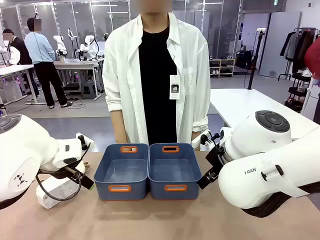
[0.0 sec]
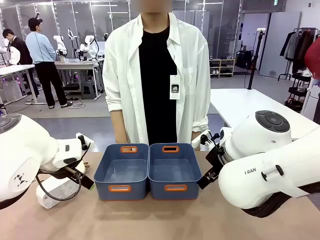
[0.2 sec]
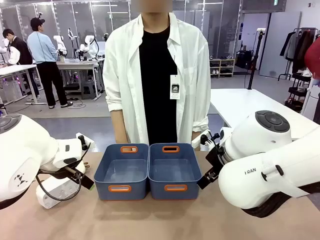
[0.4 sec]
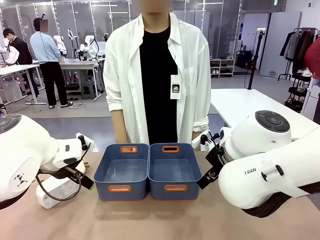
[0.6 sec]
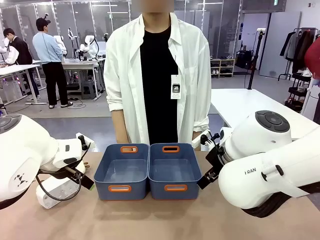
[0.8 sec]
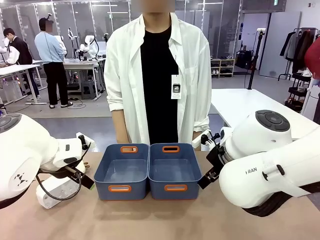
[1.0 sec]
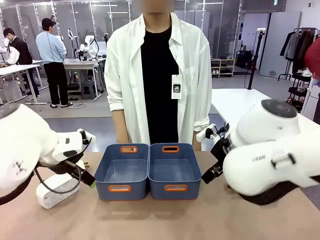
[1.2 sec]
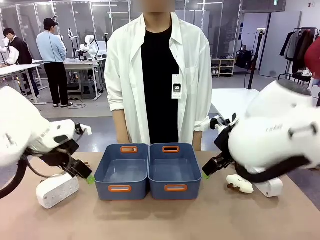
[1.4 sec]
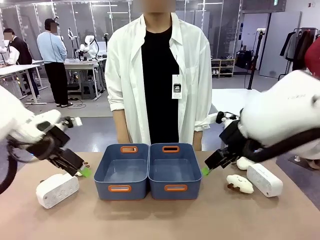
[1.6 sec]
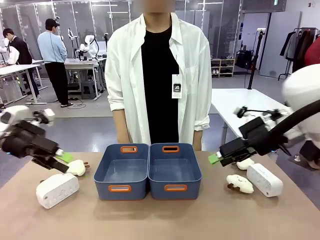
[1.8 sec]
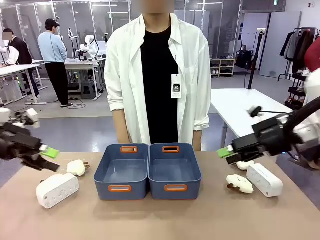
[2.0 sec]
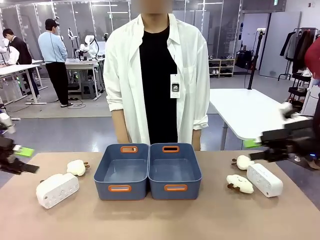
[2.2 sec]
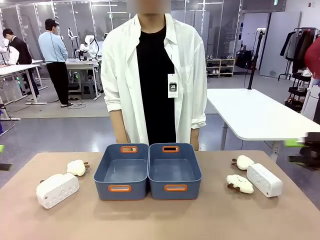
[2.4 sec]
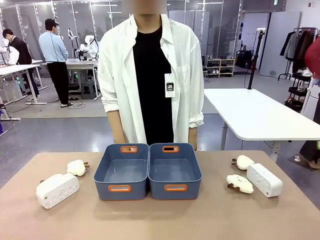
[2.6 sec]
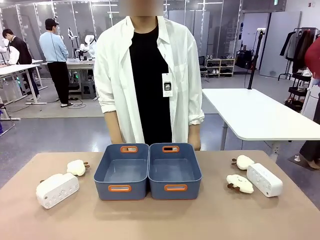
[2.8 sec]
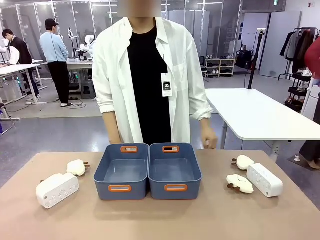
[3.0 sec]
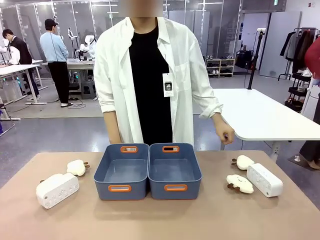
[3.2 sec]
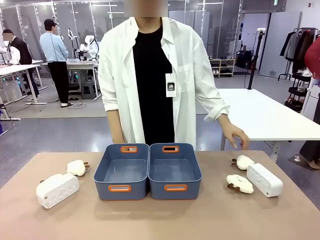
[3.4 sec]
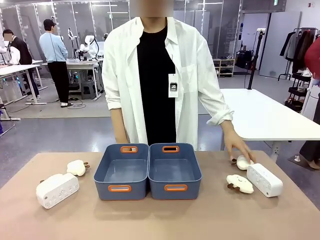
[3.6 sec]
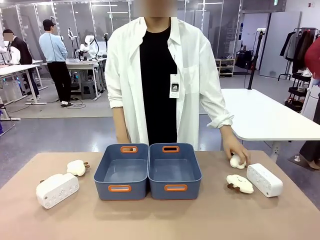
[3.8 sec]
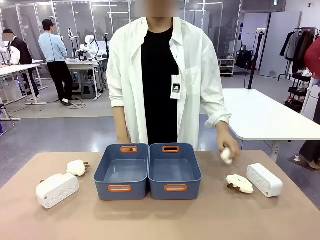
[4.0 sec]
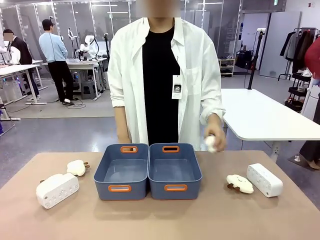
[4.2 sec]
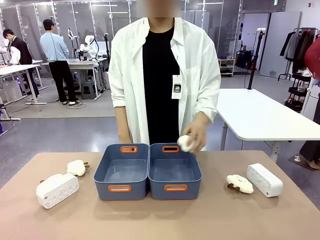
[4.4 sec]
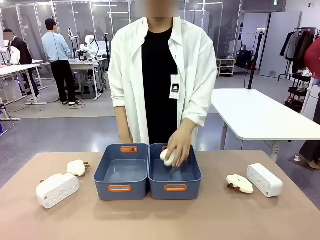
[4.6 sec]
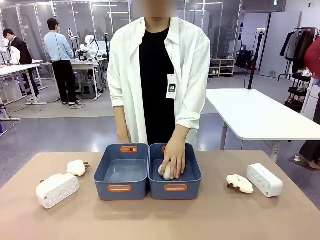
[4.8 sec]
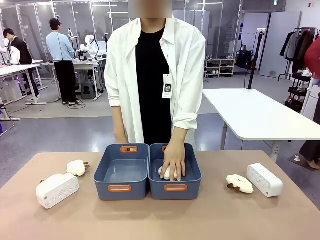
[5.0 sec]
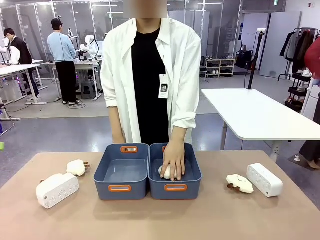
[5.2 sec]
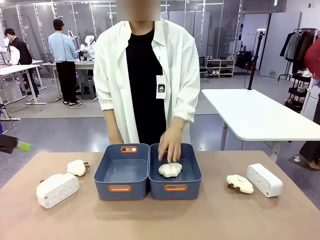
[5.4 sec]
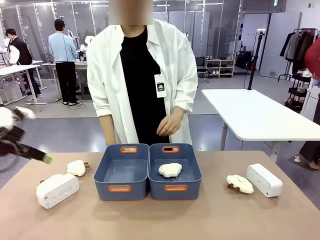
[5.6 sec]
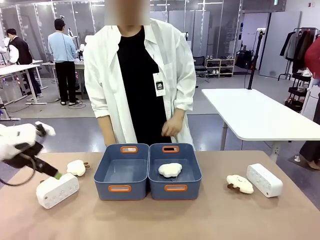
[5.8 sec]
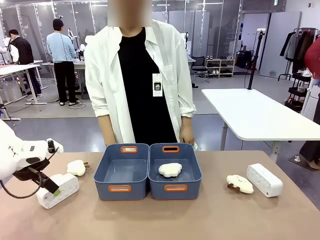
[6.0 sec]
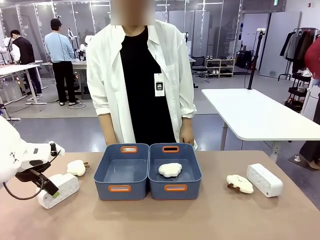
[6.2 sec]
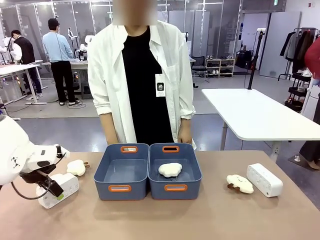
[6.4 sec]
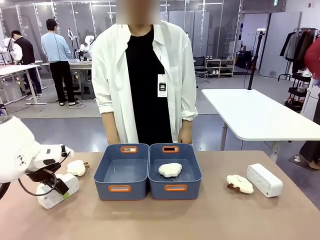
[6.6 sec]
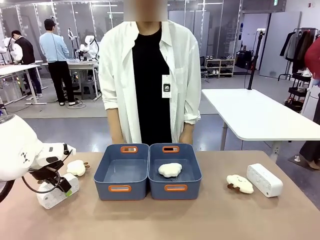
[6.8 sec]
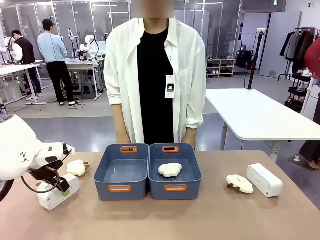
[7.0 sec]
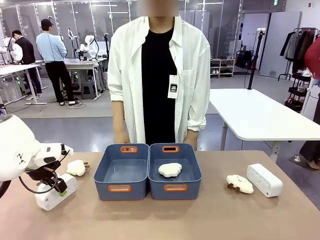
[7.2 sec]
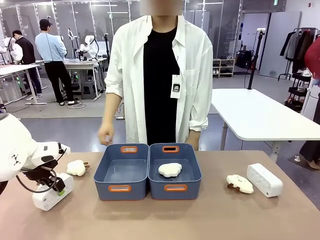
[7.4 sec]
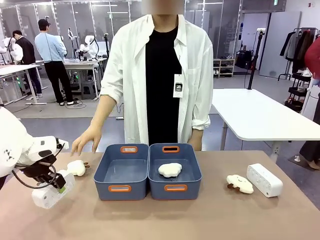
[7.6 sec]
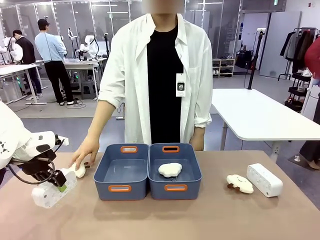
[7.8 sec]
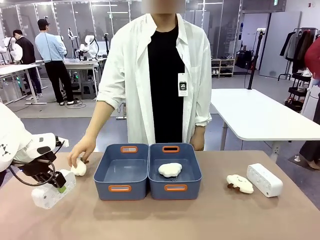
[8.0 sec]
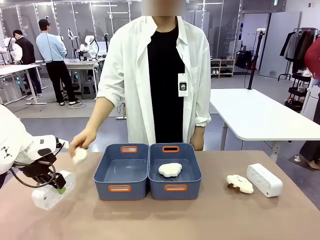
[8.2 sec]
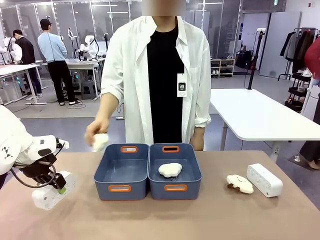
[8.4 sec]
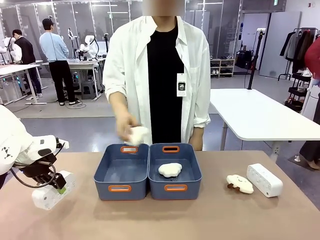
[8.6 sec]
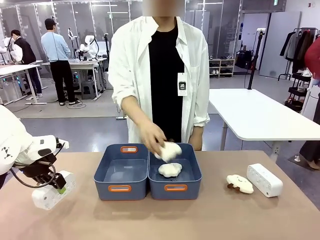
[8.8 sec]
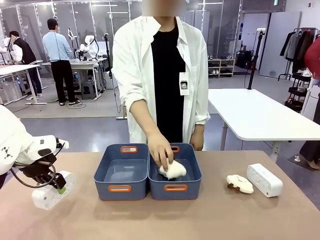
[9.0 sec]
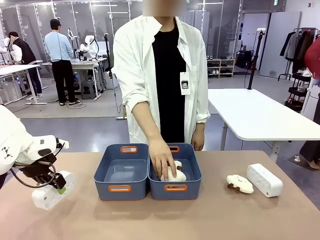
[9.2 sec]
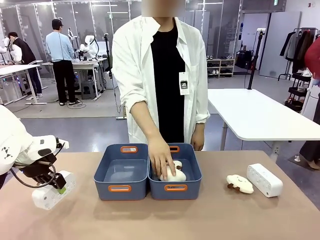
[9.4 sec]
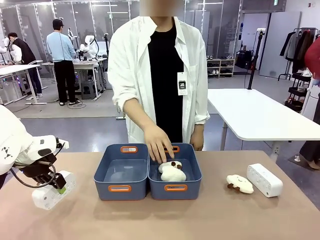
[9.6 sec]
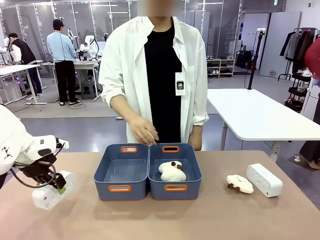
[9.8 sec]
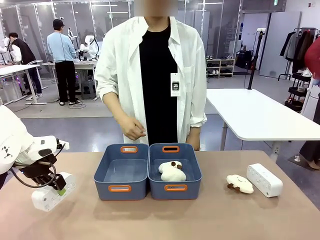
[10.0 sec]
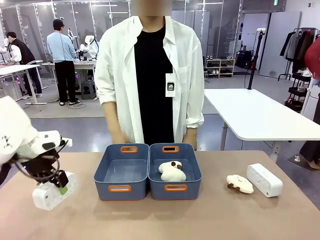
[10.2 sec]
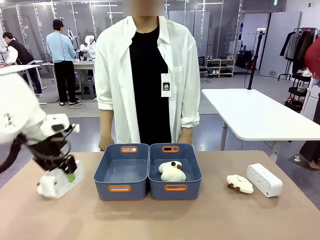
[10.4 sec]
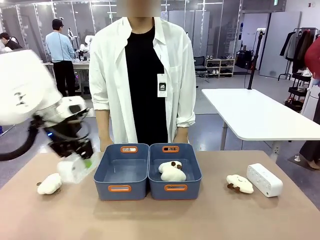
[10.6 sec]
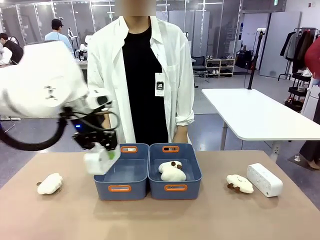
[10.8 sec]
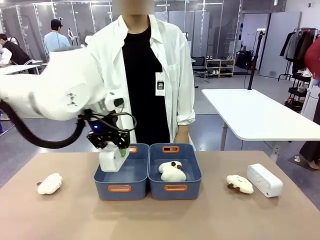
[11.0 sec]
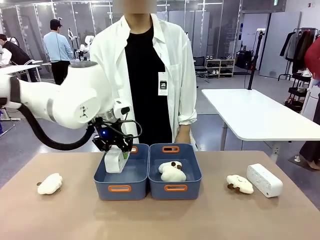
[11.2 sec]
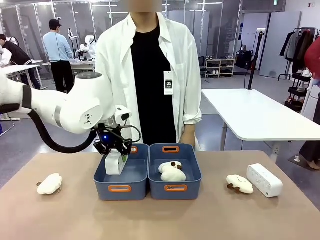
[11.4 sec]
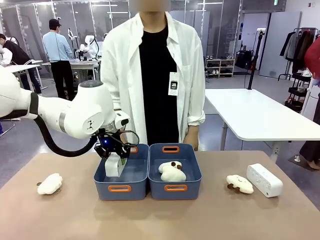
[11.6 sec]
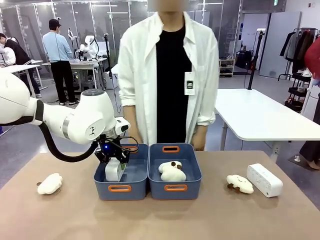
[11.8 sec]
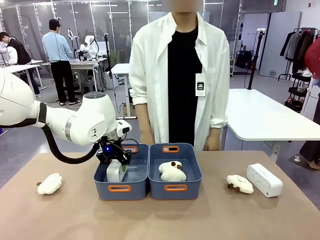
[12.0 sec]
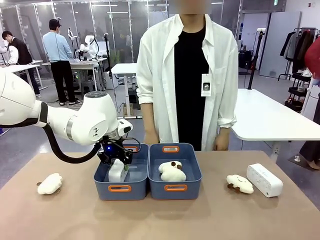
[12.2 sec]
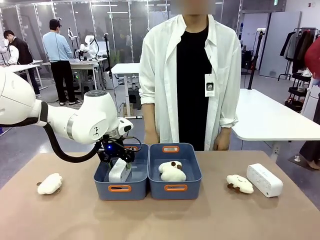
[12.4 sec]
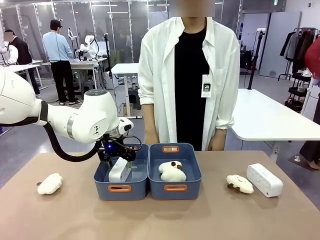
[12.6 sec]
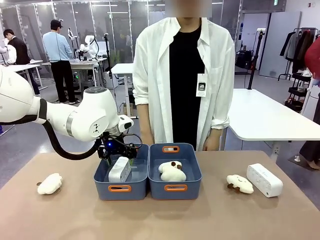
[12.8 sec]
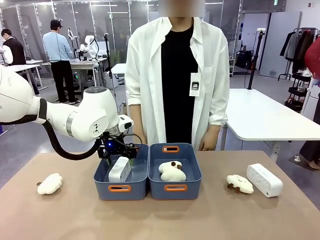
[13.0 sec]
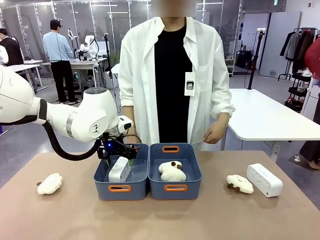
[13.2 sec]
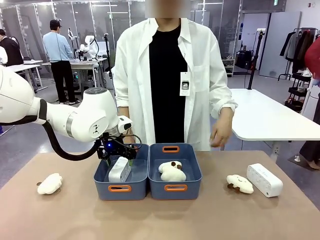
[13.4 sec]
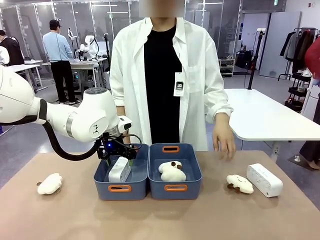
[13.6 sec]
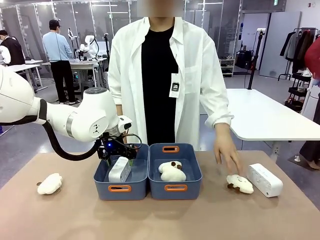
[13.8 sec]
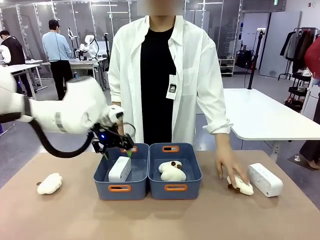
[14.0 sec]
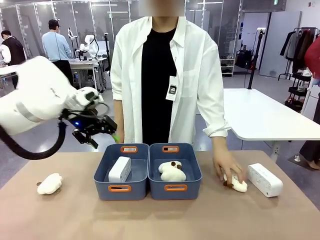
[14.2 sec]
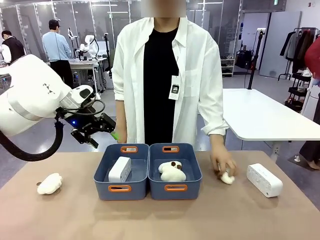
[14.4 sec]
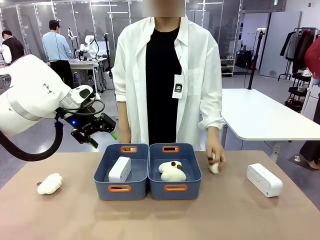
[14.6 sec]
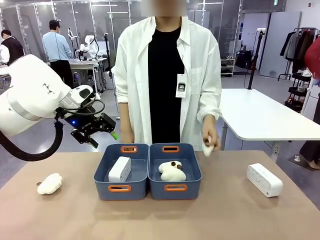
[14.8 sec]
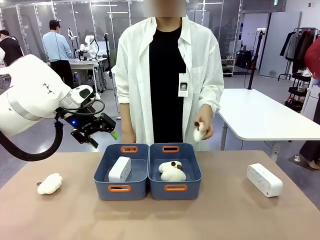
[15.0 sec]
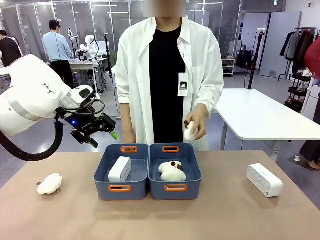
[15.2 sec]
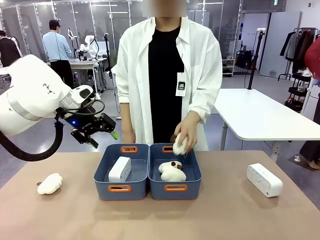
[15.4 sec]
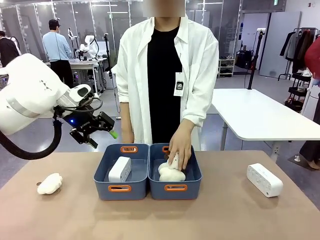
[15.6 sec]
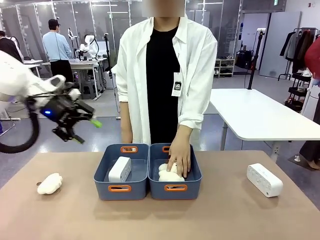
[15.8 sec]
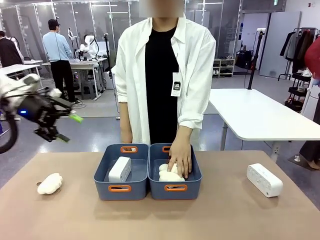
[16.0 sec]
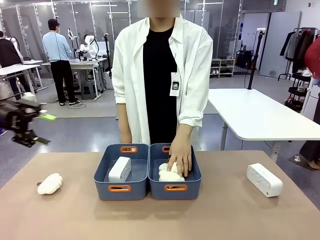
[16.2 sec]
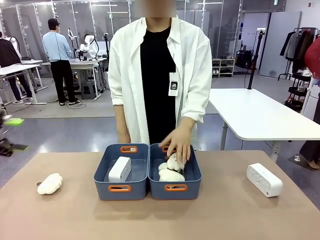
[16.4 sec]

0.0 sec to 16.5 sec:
Task: Sort the digital clocks into the basket.
Robot: Pick up the Digital clock from the table and place it into the empty Plastic storage basket.
Person: Pick up a plush toy from the table and place it in a plastic storage basket.

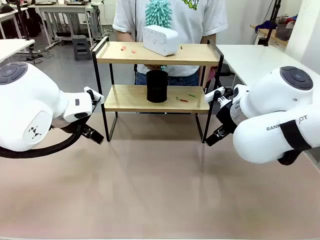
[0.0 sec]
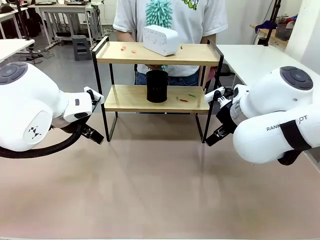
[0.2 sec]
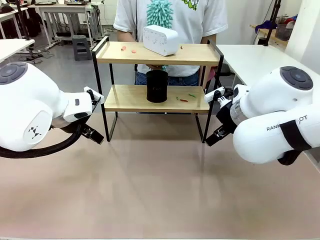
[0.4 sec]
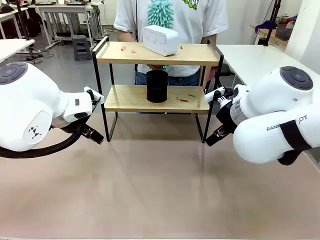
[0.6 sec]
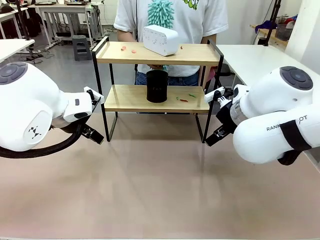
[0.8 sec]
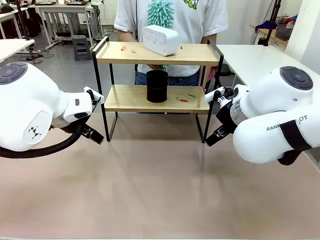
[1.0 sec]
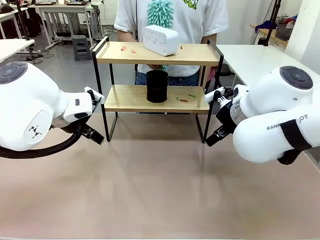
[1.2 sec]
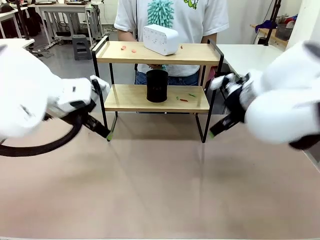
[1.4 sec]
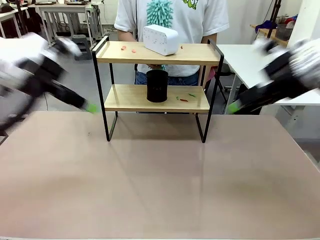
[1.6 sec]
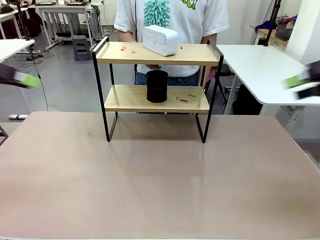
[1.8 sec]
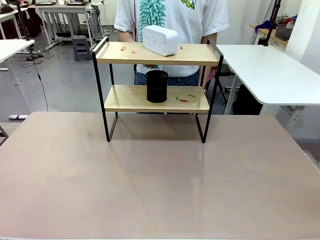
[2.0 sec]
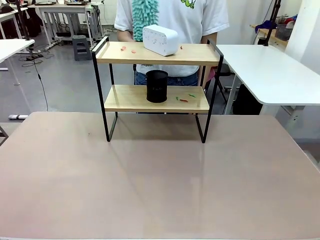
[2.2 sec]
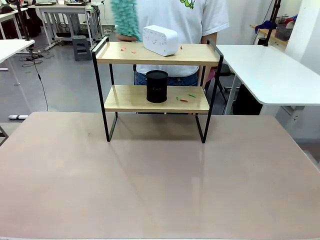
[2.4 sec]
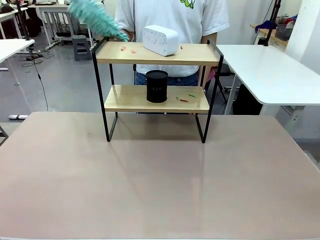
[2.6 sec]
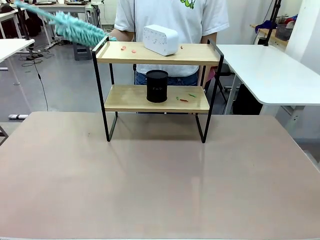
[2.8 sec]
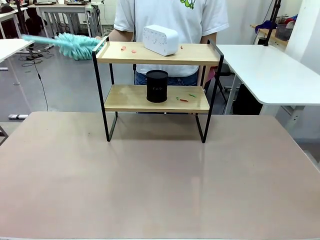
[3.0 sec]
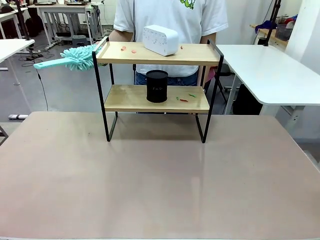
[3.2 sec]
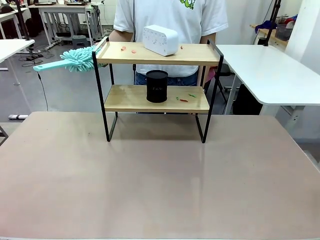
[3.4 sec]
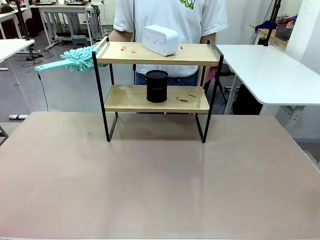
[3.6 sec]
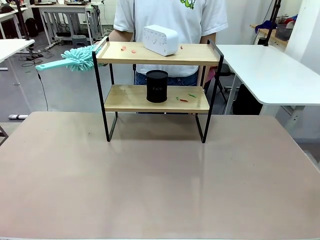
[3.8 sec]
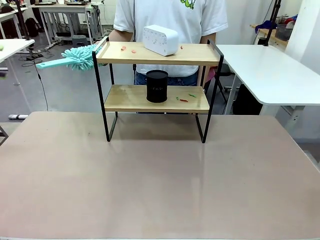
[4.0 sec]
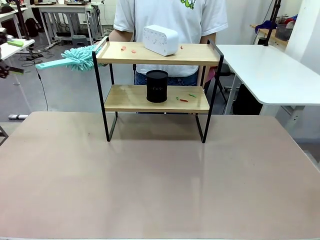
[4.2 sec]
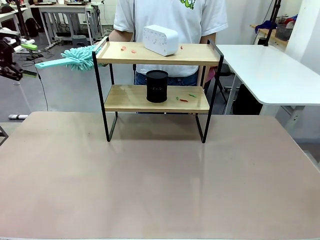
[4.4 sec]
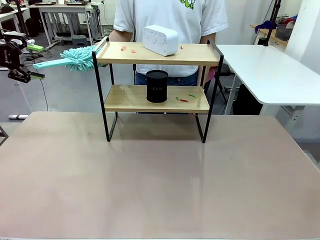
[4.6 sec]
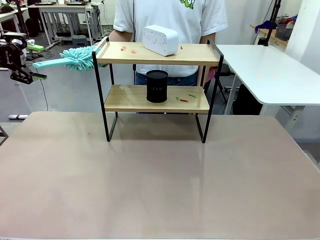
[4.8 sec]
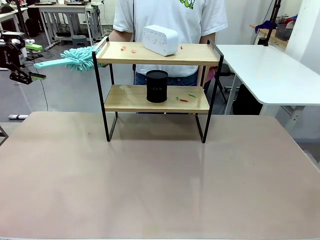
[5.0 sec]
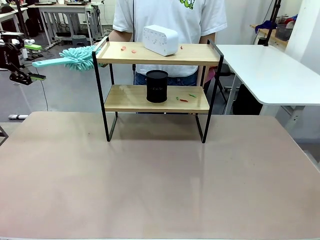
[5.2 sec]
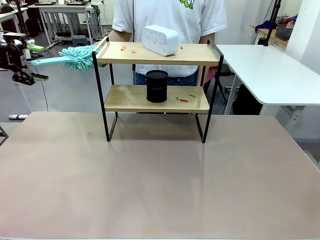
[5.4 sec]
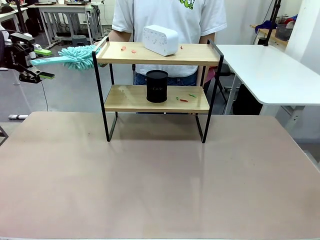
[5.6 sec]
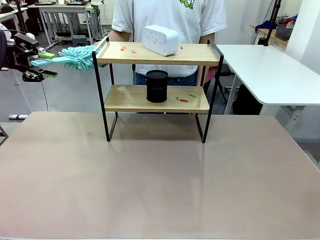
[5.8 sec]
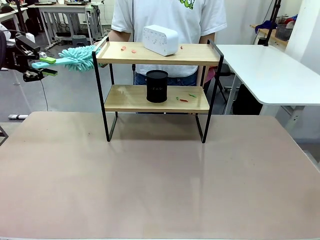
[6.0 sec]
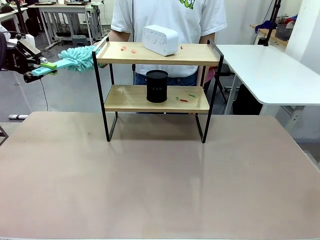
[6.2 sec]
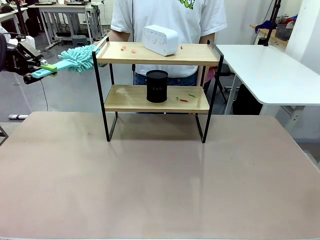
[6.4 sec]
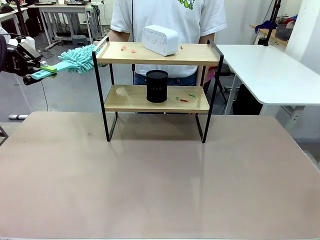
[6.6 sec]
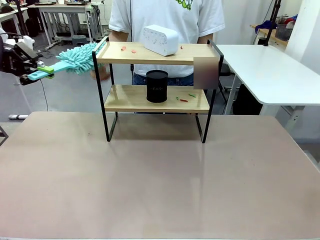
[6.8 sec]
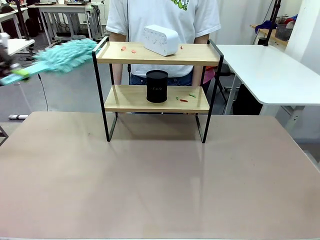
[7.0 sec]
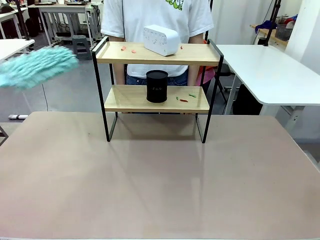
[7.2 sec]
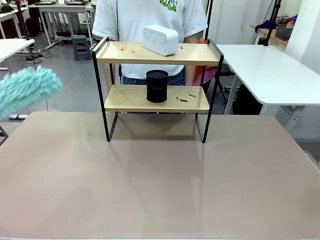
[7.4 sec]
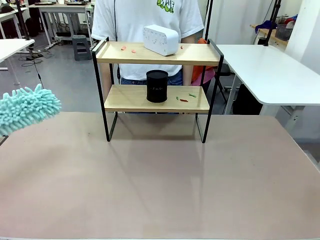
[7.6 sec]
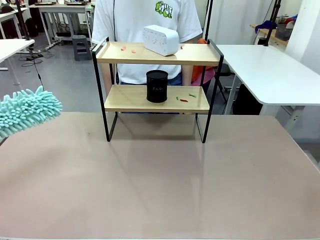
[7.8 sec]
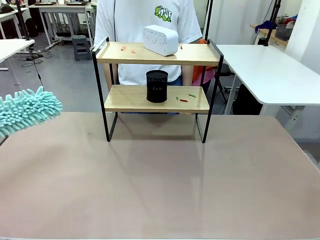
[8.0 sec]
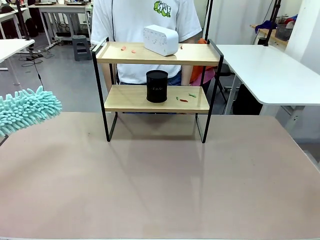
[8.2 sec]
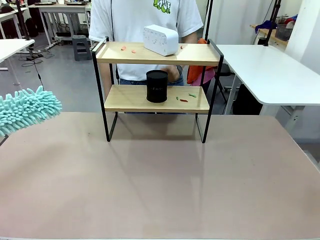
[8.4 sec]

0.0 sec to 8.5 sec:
Task: Clean the shelf.
Robot: Pick up the Duster from the human.
Person: Hand the Duster to the robot.
